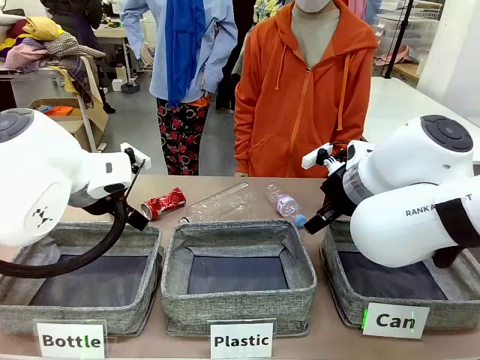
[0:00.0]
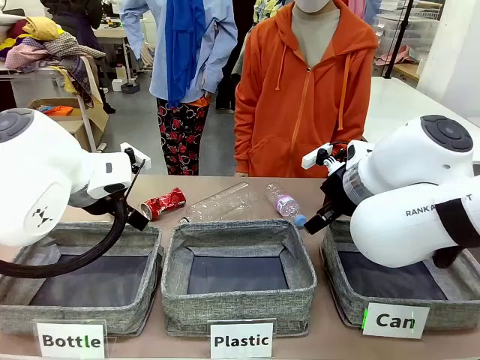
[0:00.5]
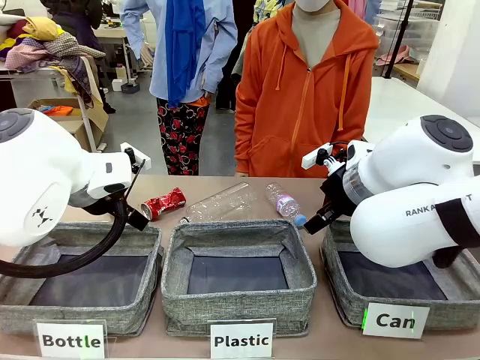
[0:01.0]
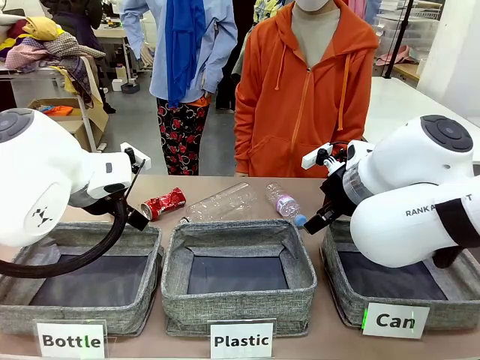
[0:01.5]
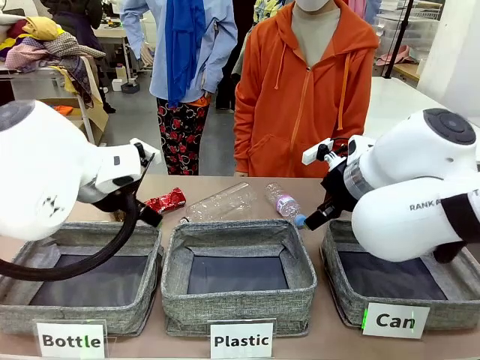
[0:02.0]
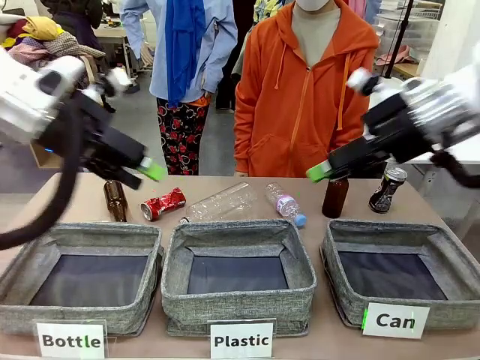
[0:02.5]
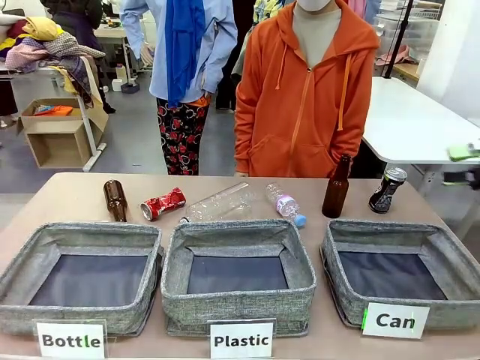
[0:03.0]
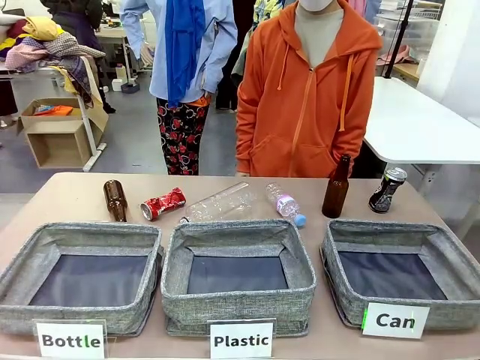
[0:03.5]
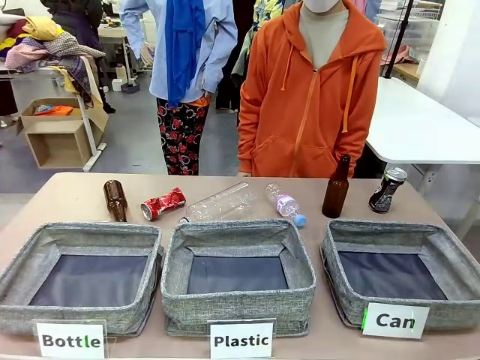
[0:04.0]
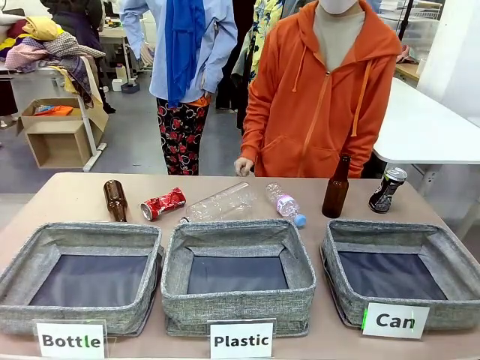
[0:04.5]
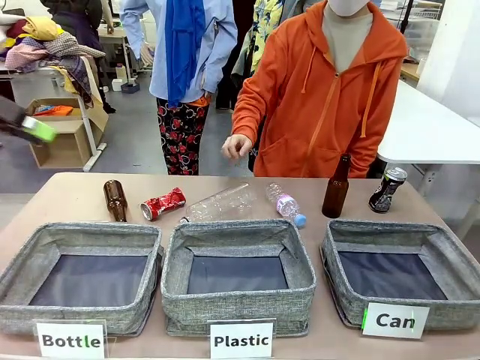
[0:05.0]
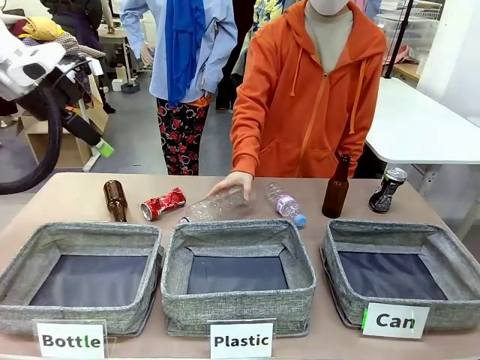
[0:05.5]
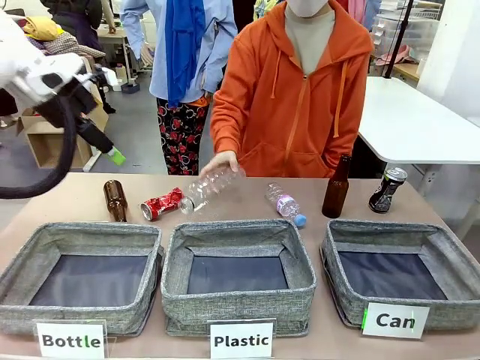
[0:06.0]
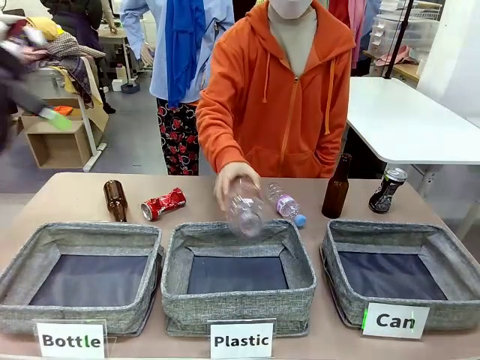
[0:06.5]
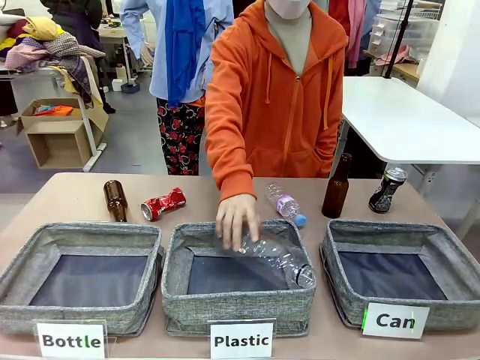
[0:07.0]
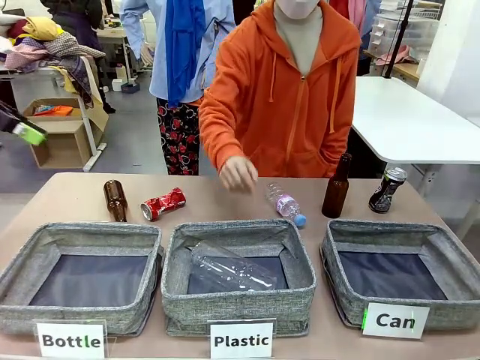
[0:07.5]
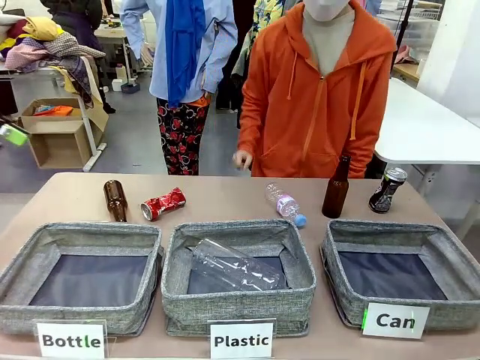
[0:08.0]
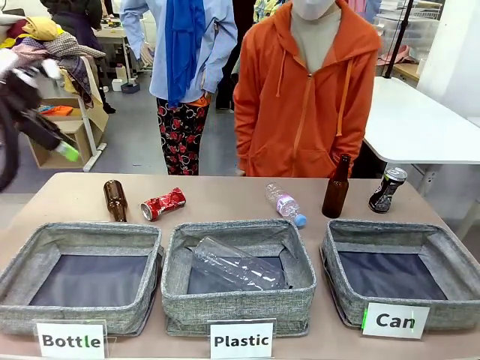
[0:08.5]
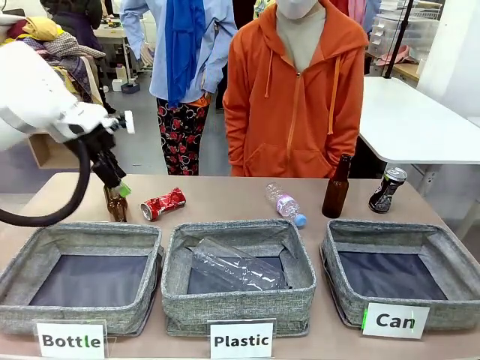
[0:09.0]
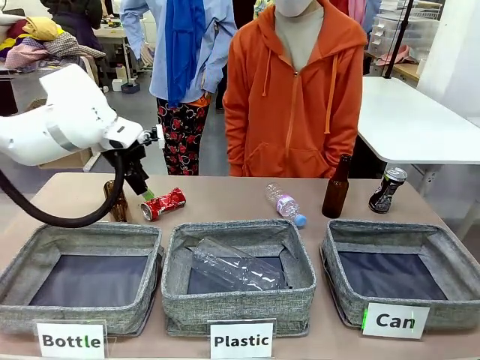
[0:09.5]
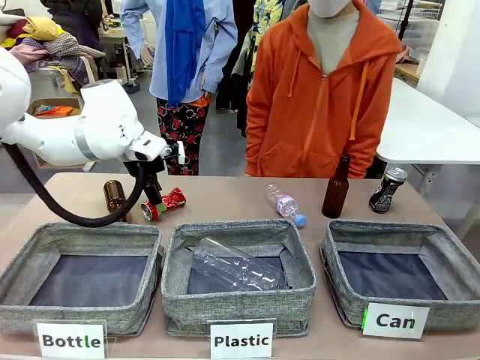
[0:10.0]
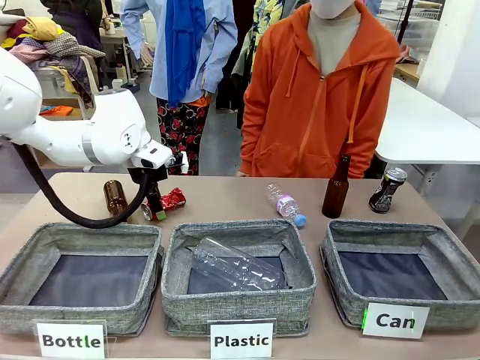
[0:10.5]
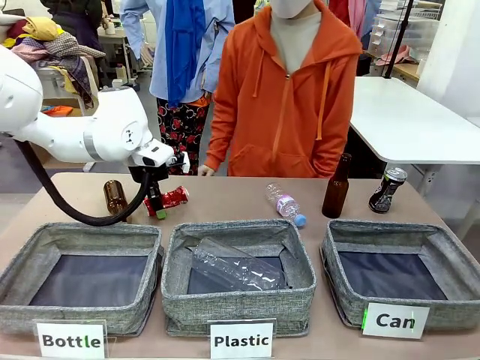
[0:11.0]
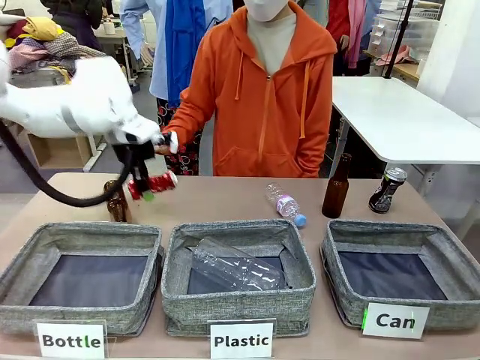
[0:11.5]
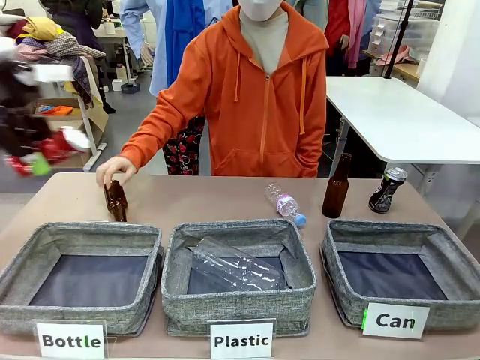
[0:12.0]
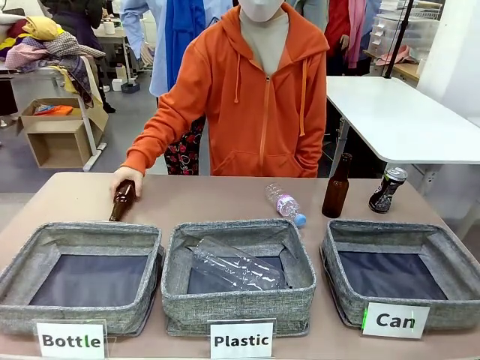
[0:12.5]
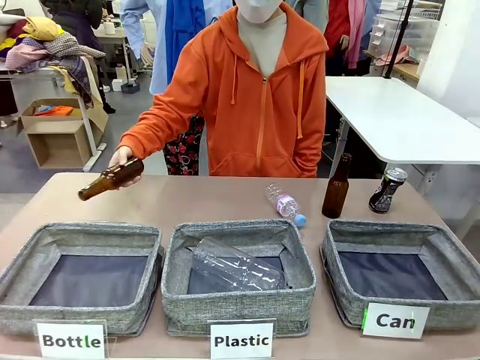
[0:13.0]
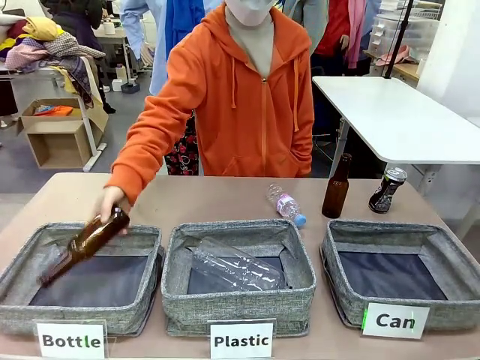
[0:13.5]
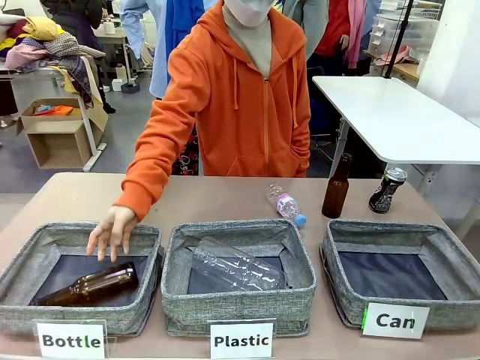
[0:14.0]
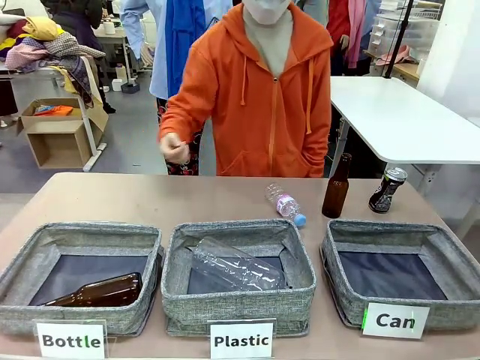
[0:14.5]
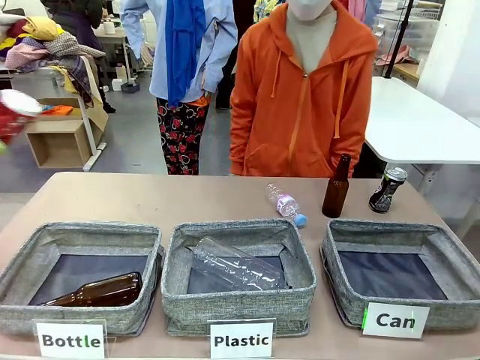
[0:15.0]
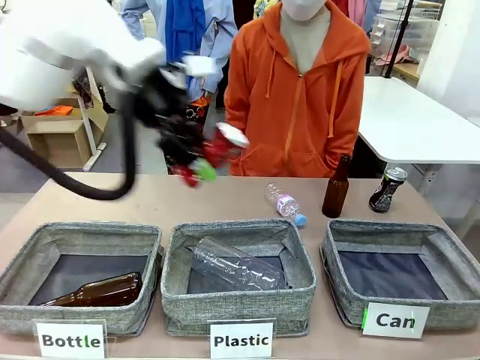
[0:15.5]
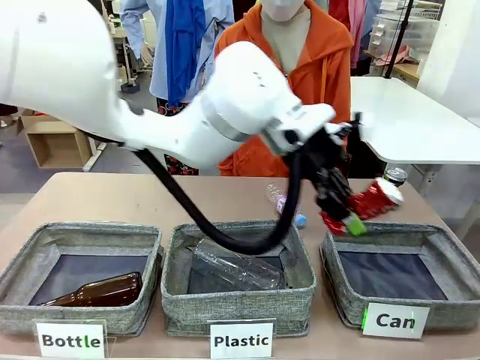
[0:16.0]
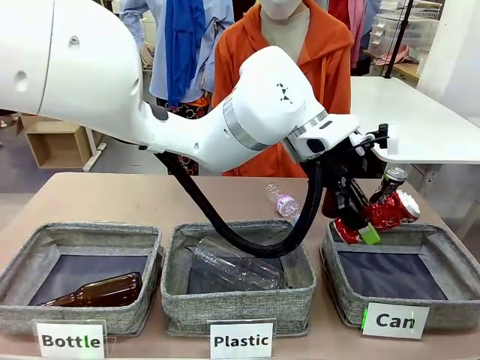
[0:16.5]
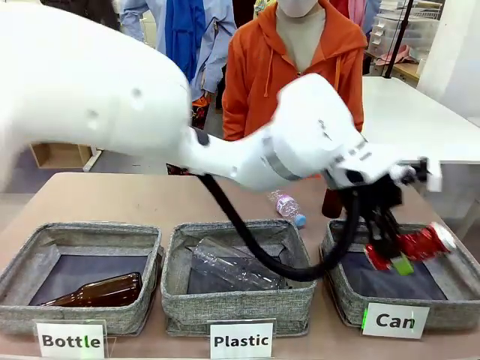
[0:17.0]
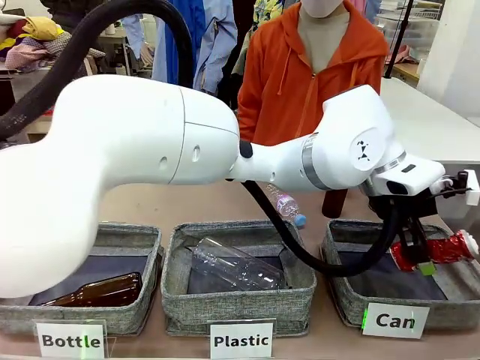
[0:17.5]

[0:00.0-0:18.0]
Task: Sort the can waste into the basket.
Robot: Pick up the can waste from the table and place it in the right Fabric basket.
